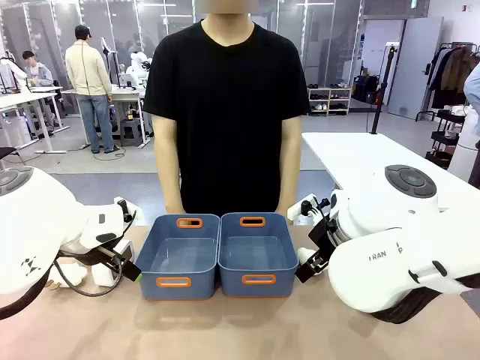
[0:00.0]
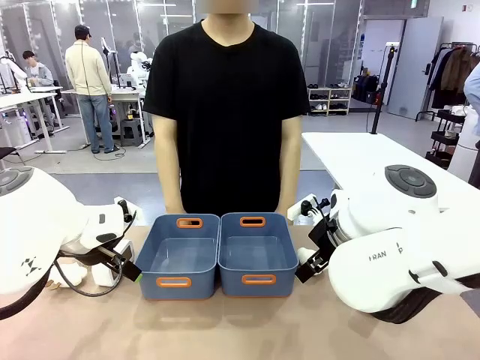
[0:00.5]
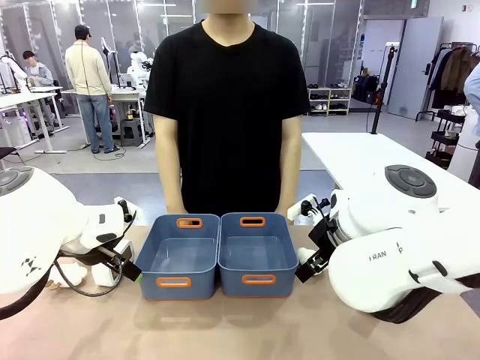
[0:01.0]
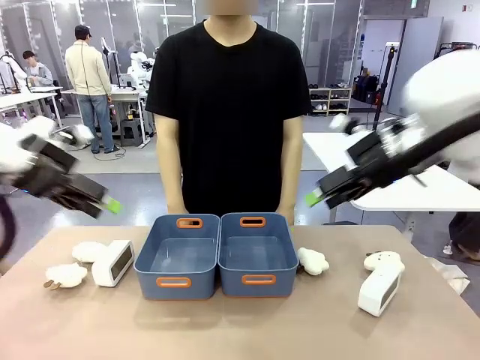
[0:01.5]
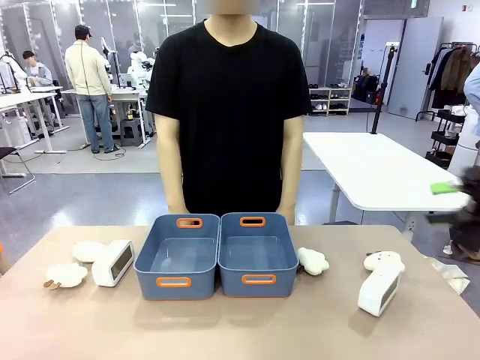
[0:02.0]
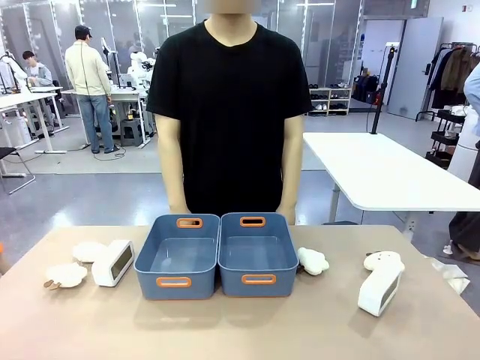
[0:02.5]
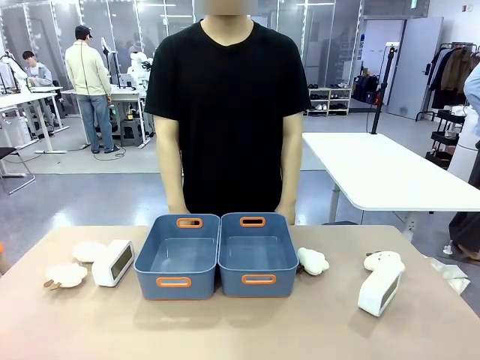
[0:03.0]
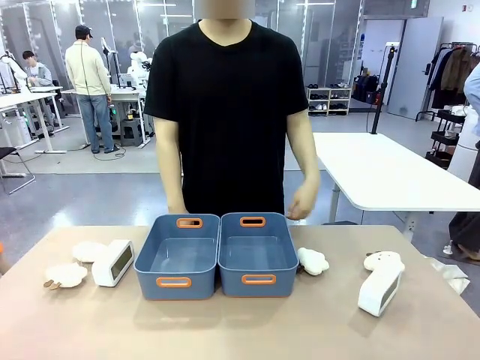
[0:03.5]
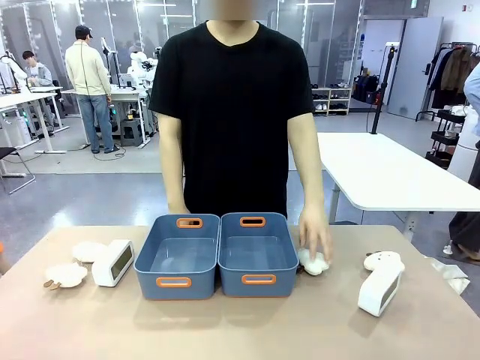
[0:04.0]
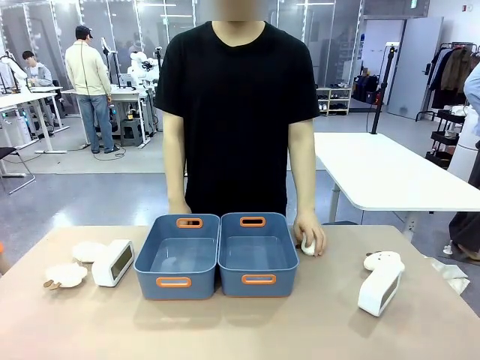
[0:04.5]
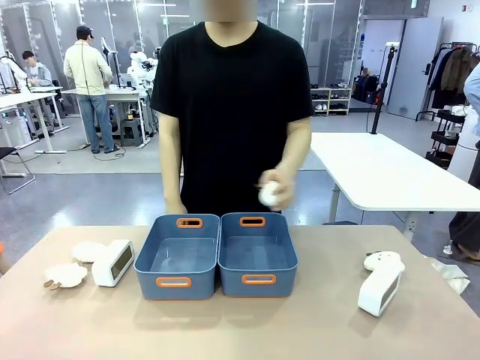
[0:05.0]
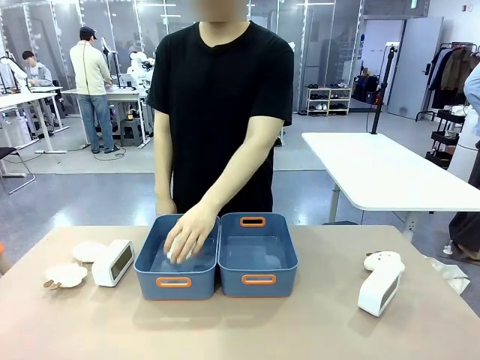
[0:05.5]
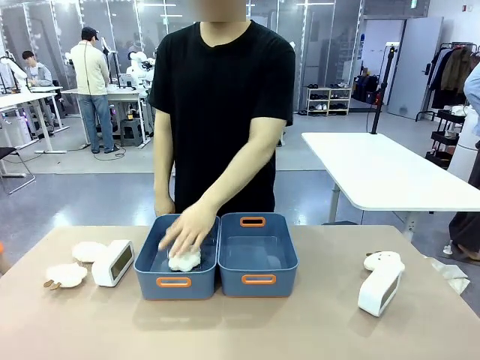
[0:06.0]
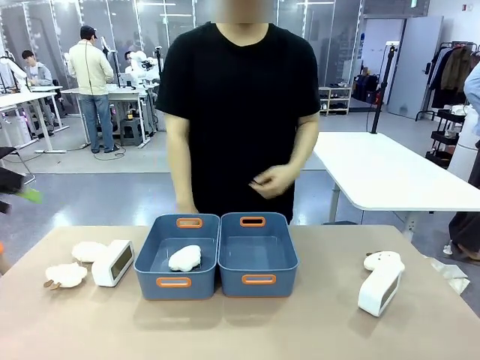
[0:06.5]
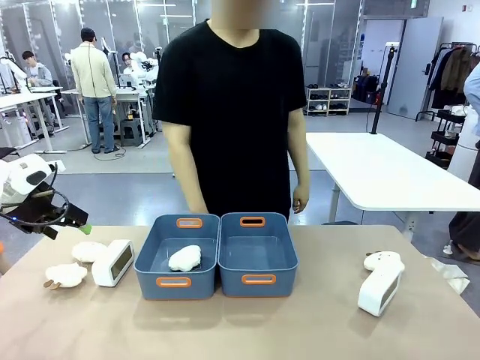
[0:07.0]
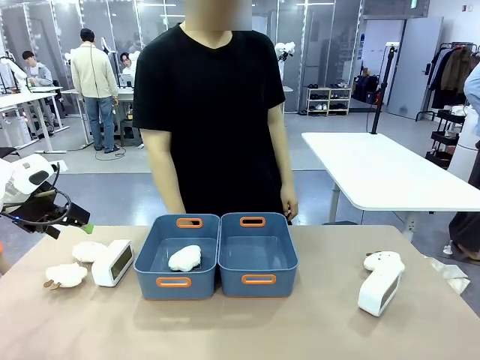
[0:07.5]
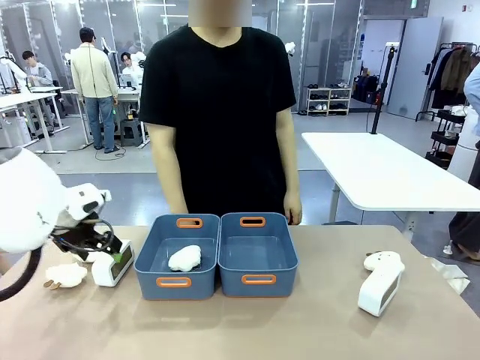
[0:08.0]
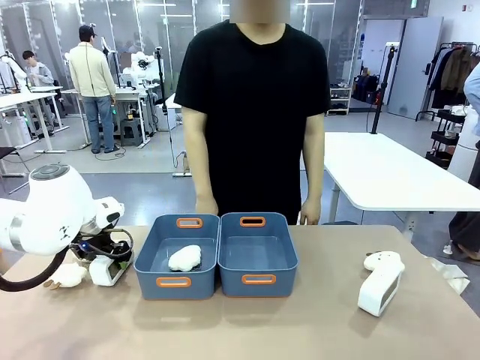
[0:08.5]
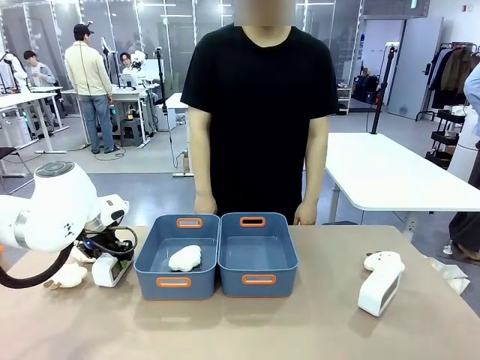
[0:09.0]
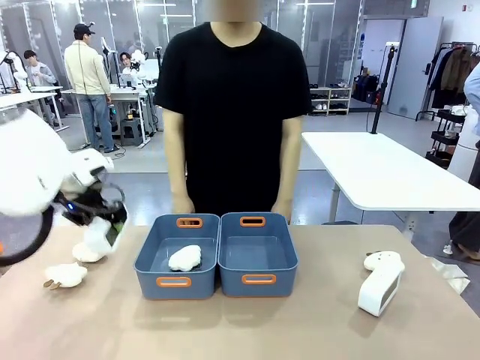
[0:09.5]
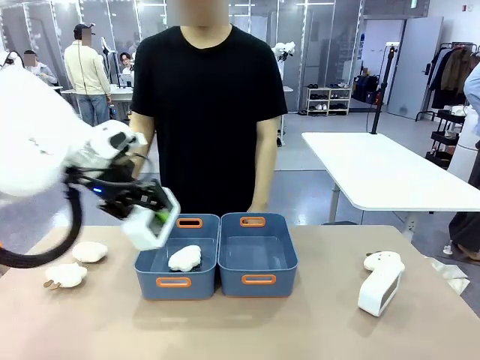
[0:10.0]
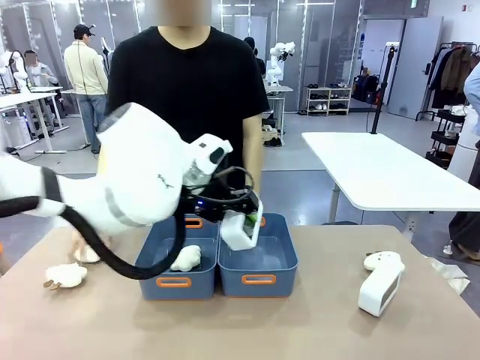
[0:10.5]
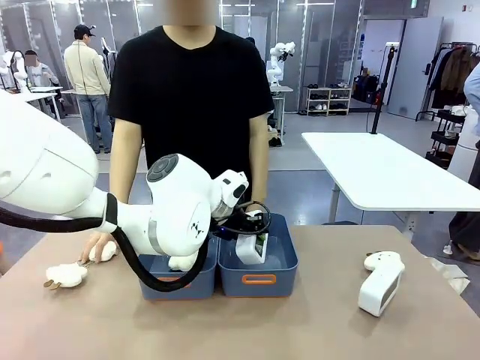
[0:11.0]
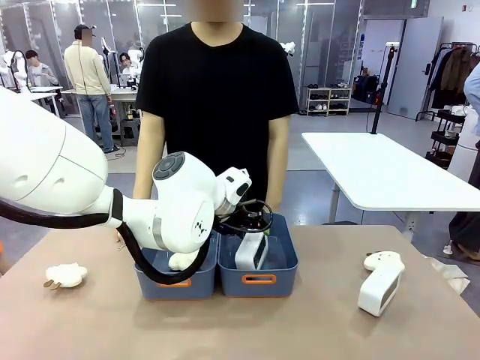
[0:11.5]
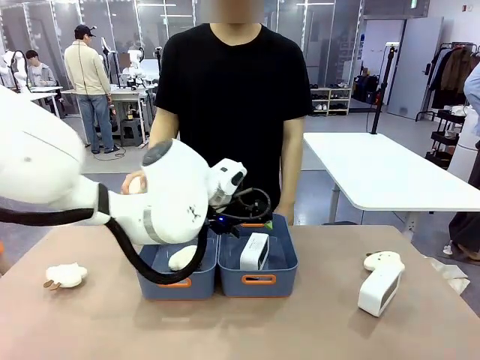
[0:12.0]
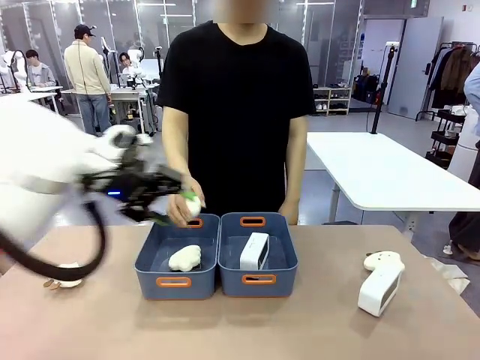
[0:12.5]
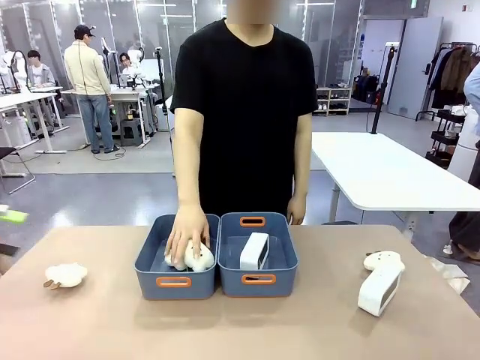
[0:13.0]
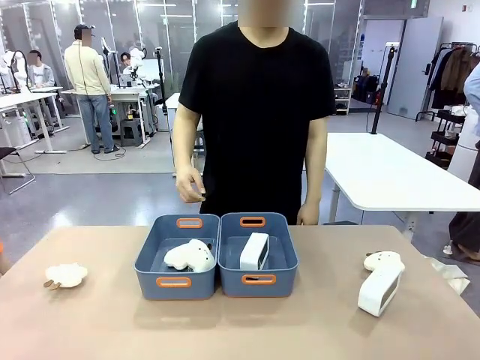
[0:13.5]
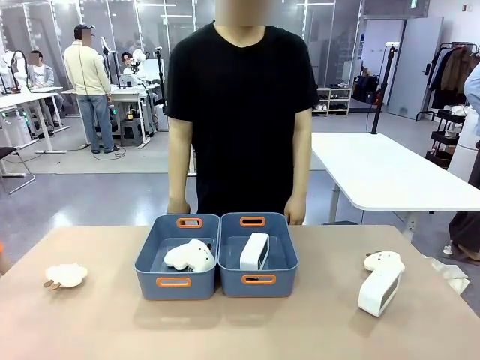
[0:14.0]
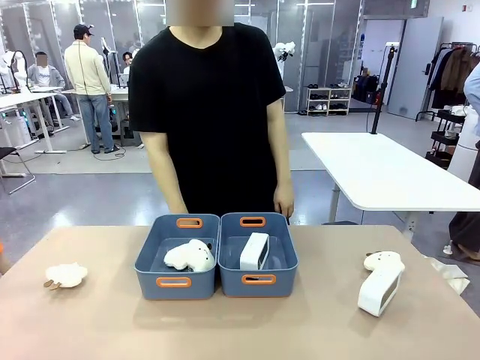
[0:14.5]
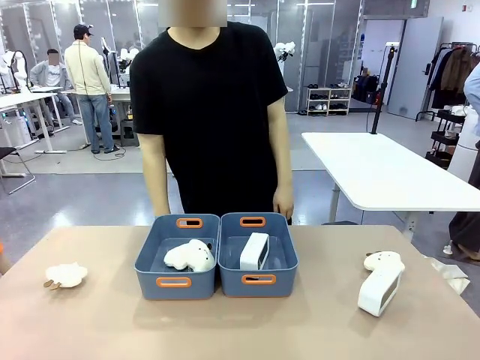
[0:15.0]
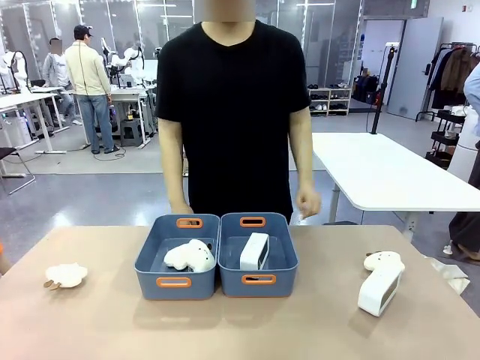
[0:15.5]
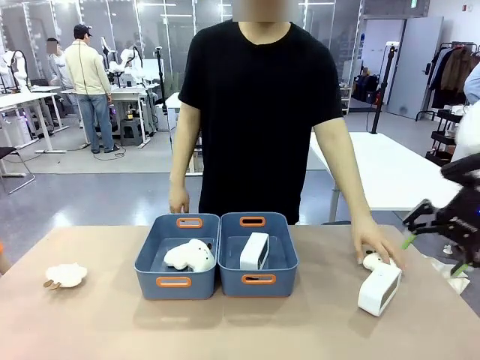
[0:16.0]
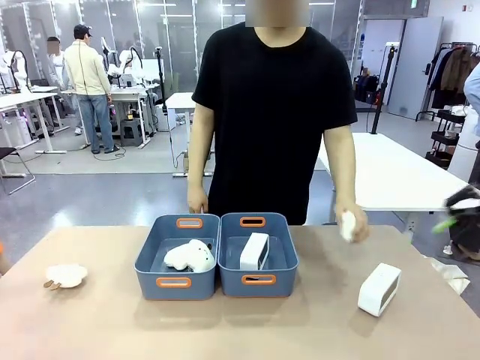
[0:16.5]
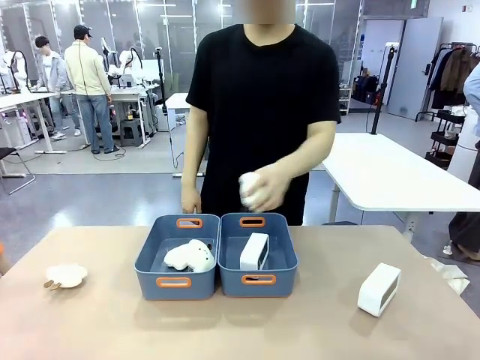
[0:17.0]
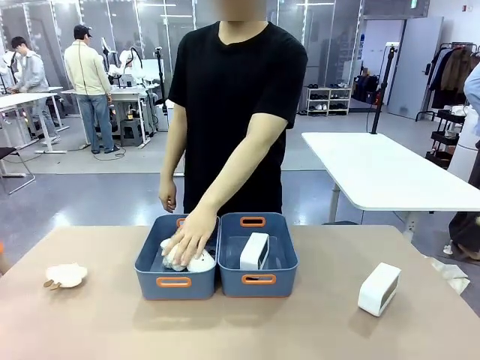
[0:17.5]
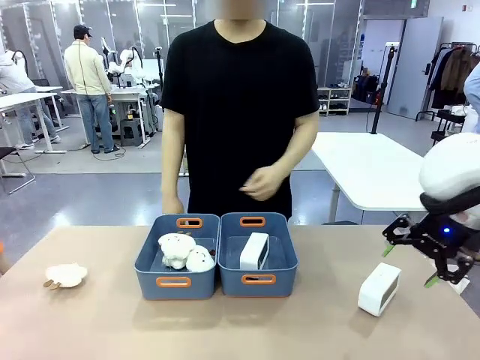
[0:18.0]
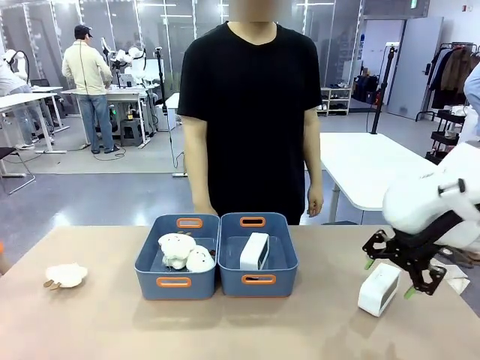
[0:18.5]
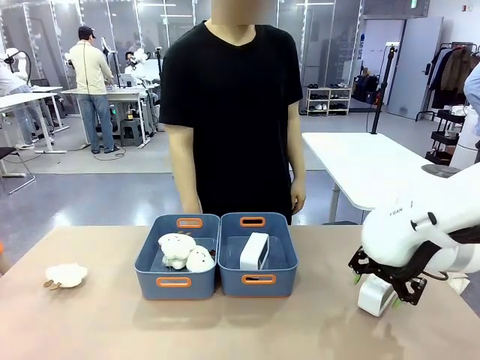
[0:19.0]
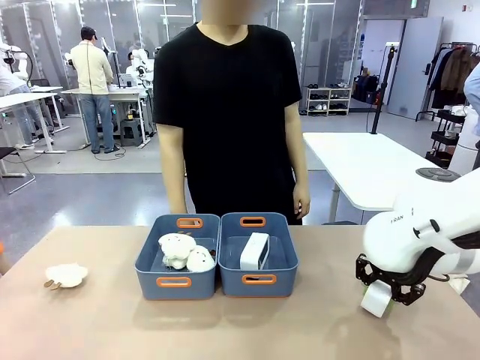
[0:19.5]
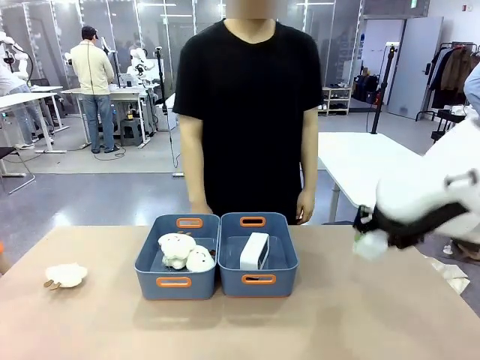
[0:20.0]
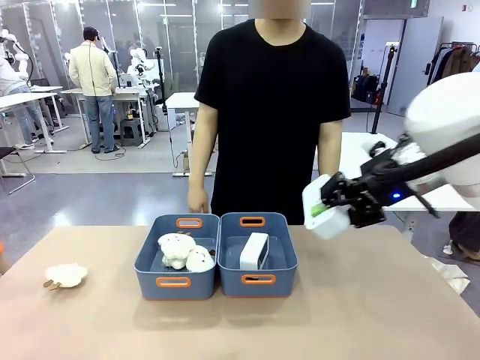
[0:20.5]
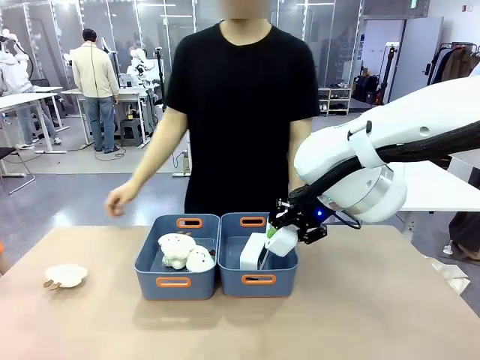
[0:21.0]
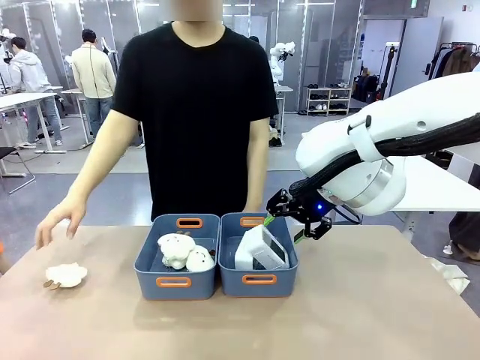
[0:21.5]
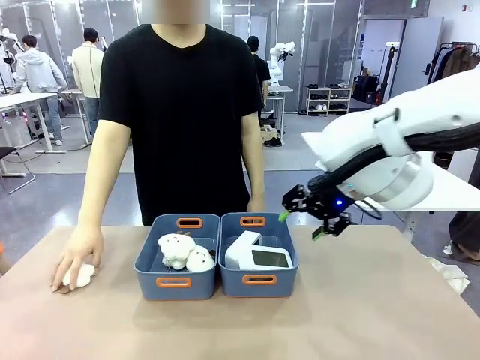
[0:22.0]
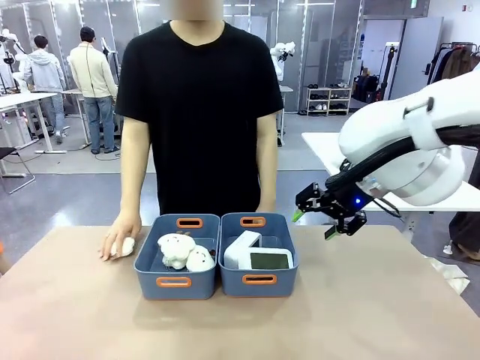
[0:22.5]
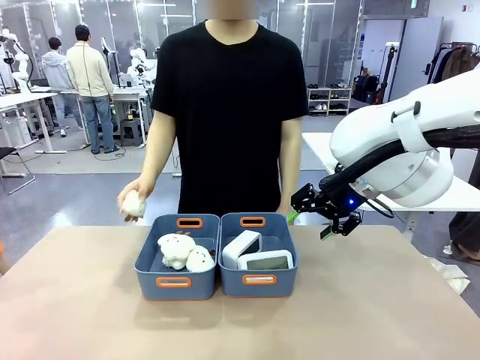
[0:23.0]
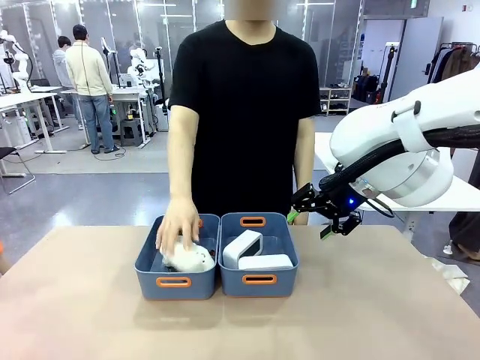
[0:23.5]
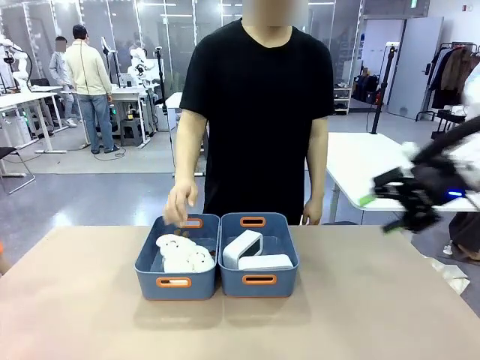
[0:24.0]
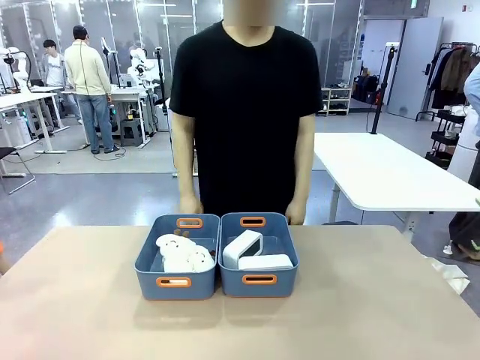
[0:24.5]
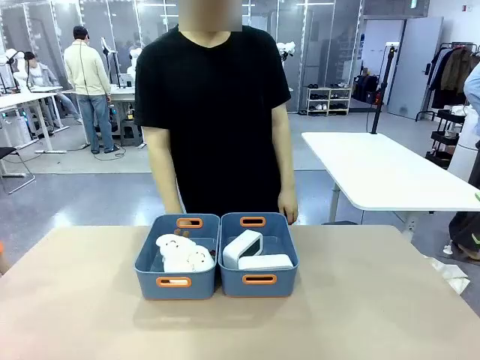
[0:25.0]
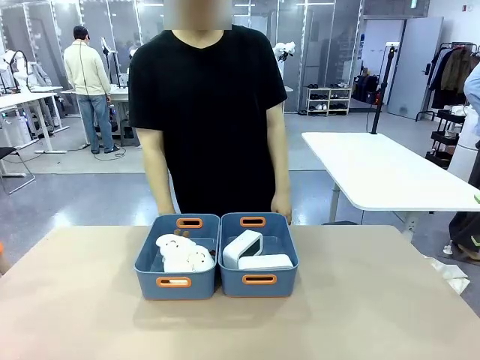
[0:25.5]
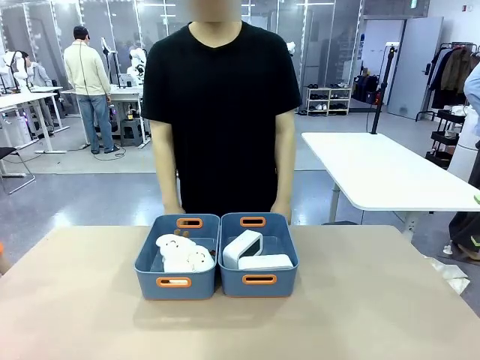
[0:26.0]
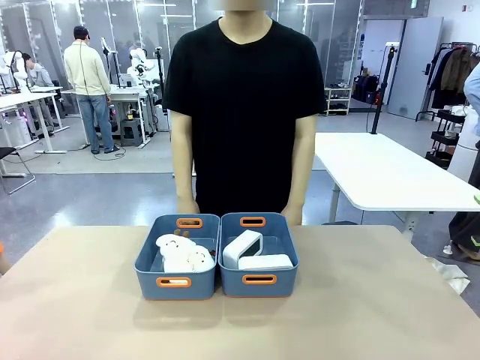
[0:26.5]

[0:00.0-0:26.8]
Task: Sort the digital clocks into the basket.
Robot: Pick up the Digital clock from the table and place it into the empty Plastic storage basket.
Person: Pick up a plush toy from the table and place it in a plastic storage basket. Pick up a plush toy from the table and place it in the plastic storage basket containing the plush toy.
